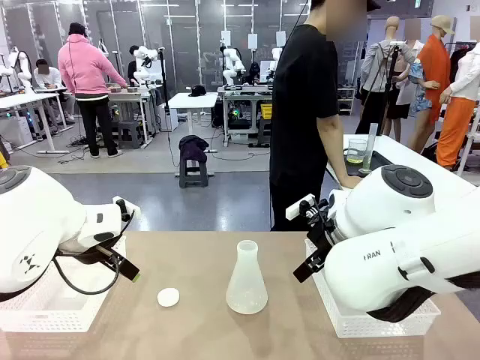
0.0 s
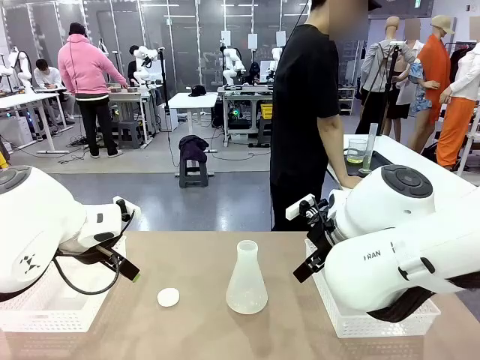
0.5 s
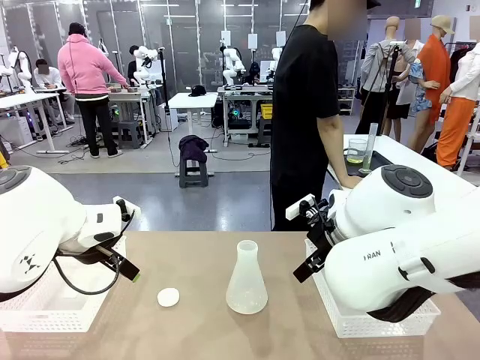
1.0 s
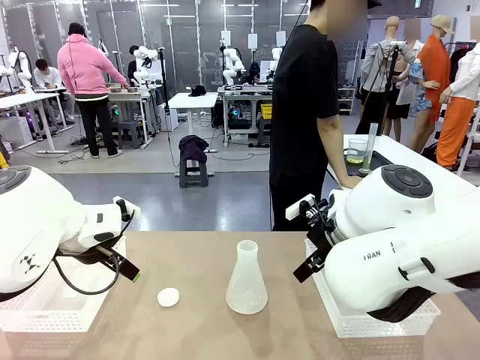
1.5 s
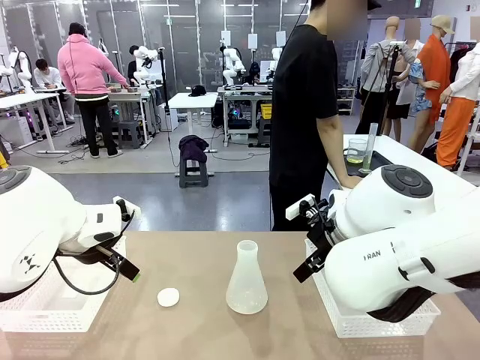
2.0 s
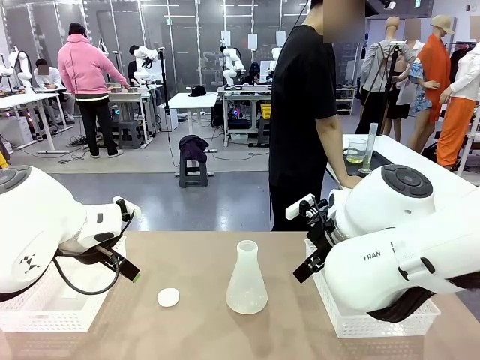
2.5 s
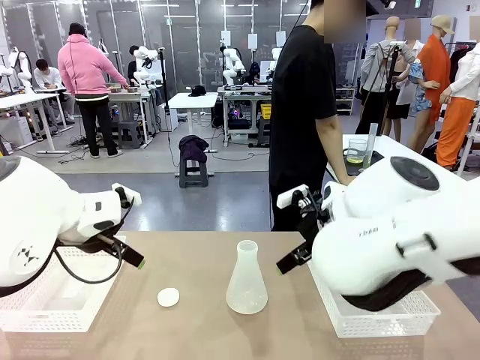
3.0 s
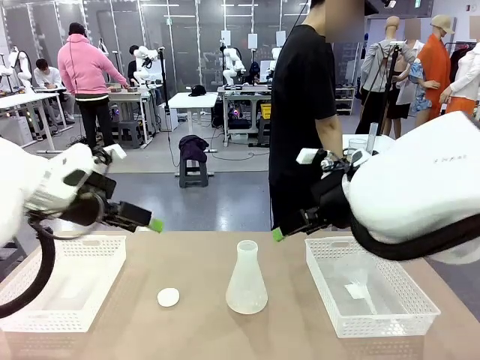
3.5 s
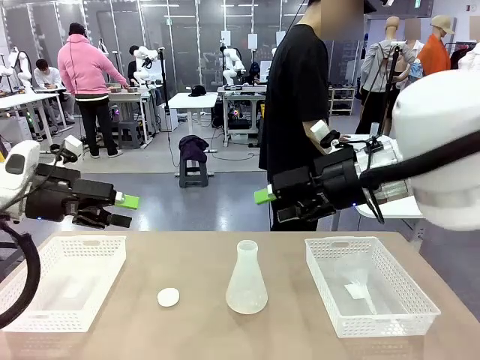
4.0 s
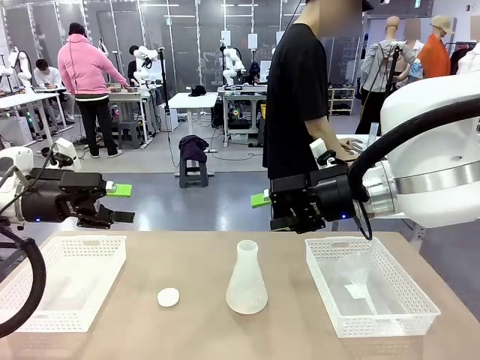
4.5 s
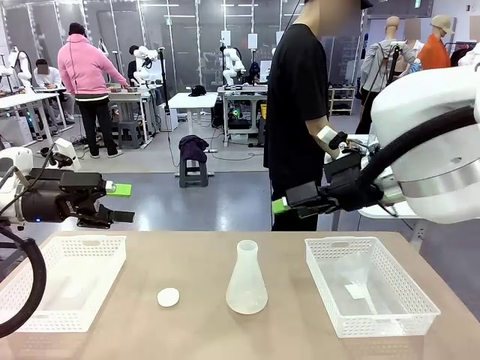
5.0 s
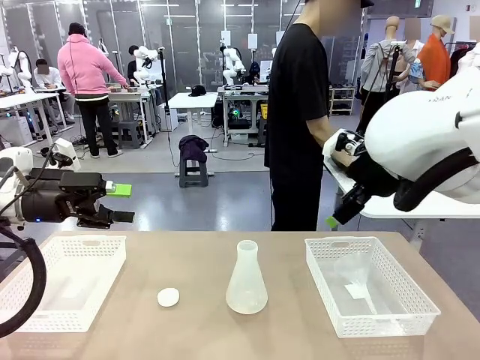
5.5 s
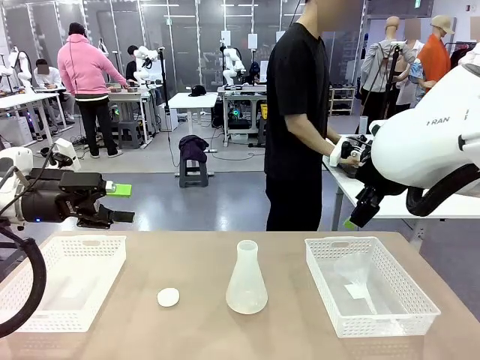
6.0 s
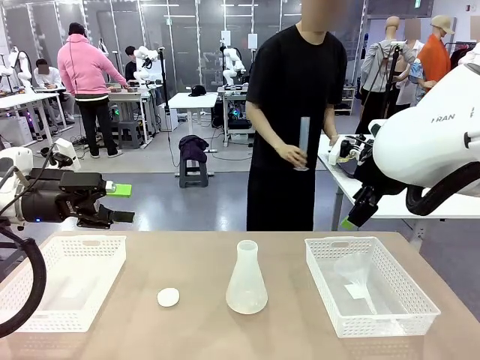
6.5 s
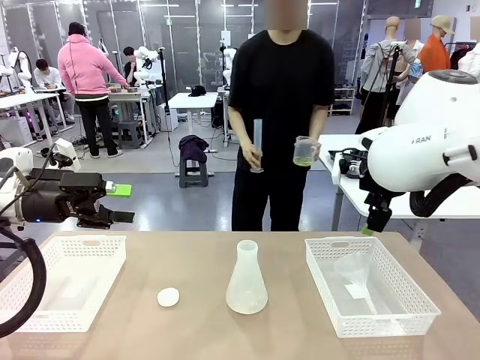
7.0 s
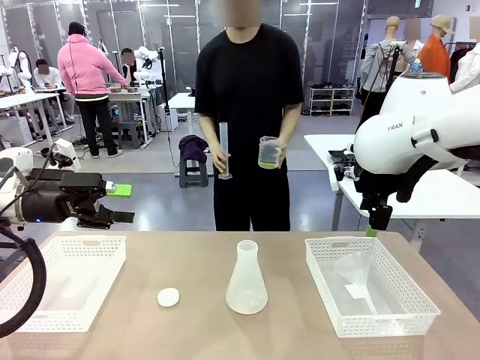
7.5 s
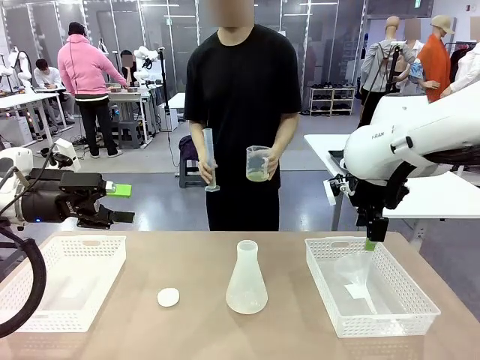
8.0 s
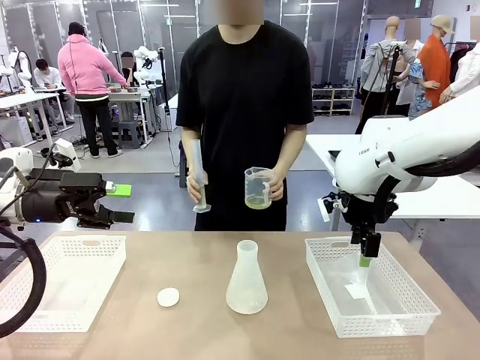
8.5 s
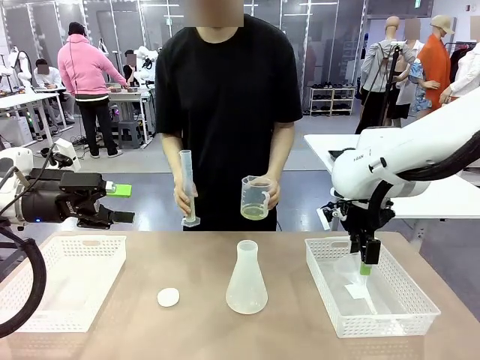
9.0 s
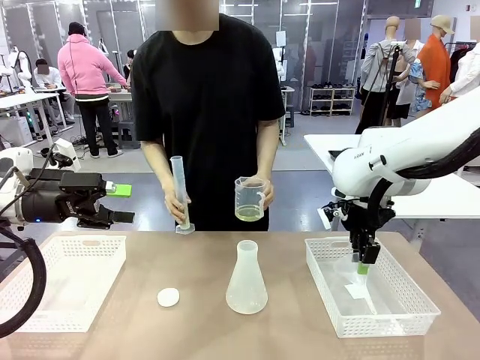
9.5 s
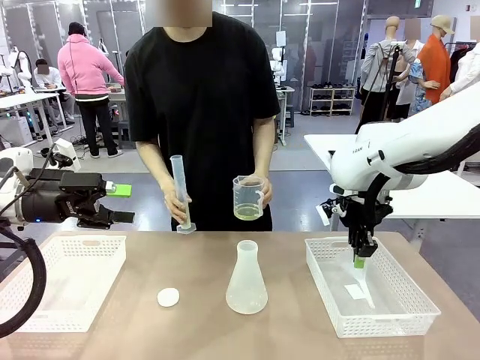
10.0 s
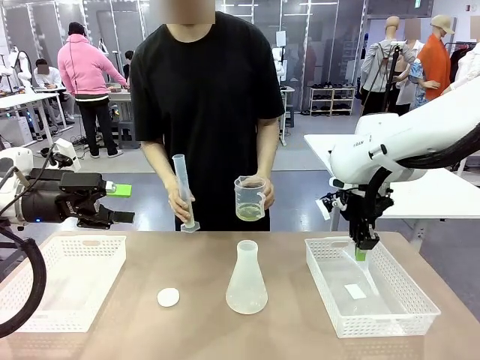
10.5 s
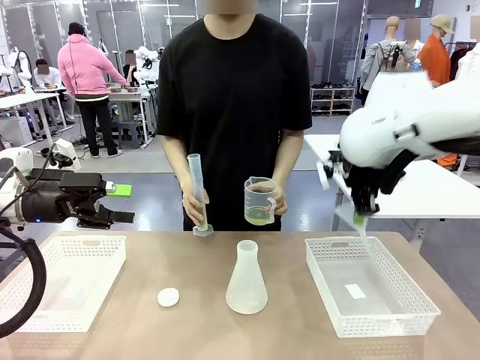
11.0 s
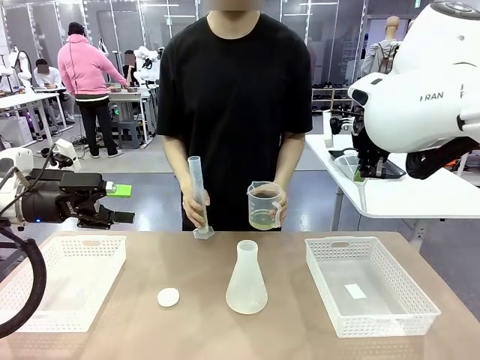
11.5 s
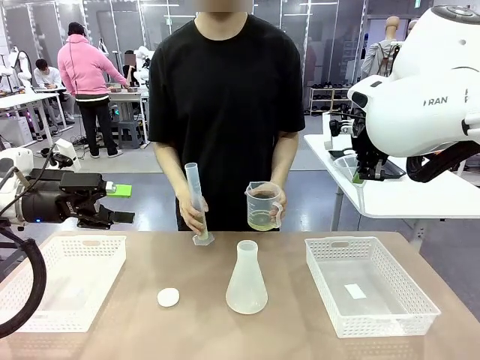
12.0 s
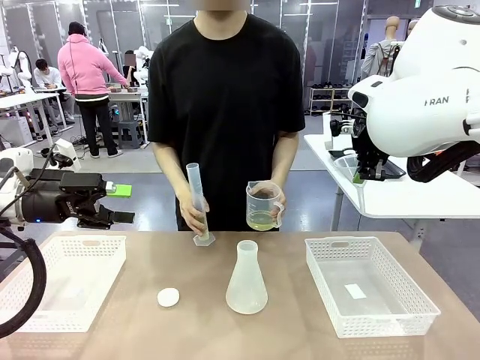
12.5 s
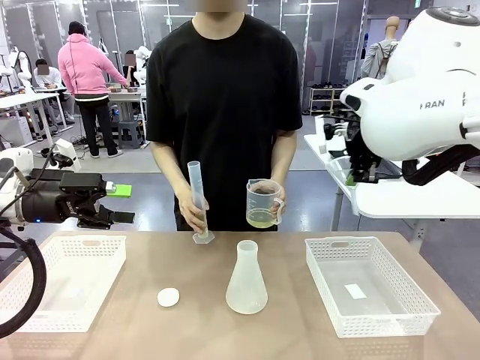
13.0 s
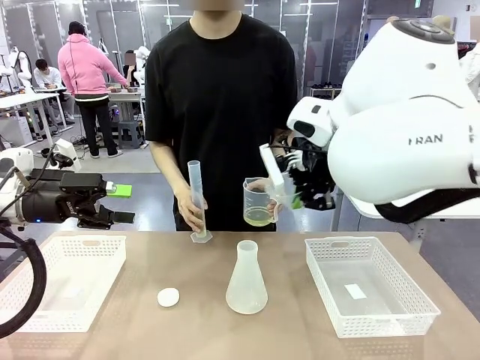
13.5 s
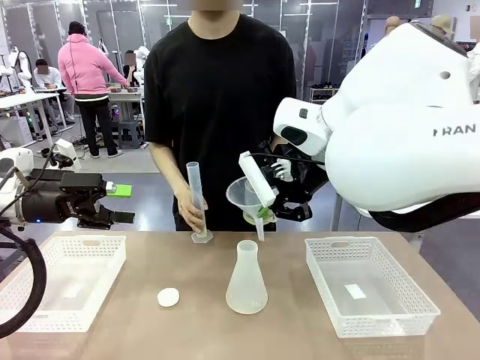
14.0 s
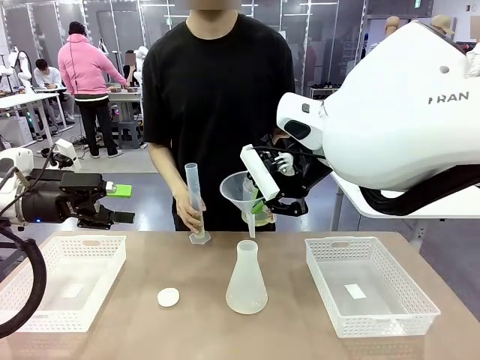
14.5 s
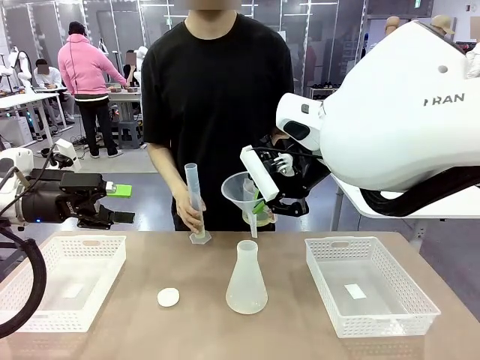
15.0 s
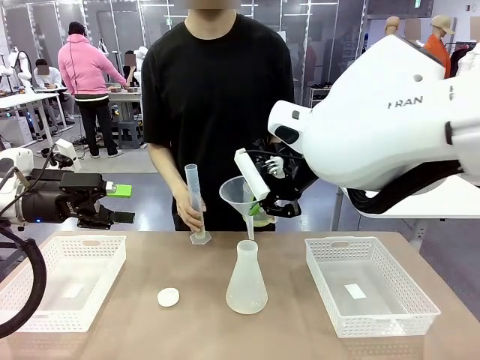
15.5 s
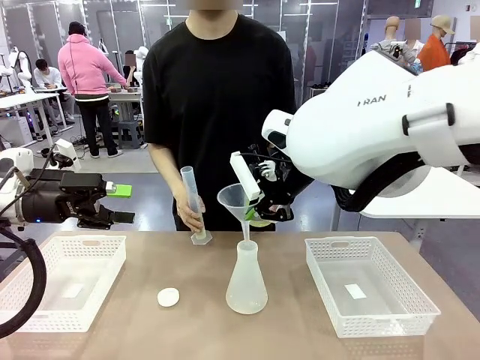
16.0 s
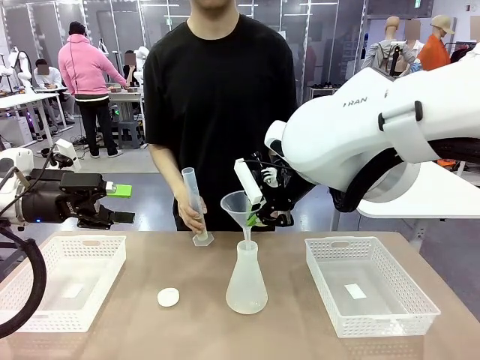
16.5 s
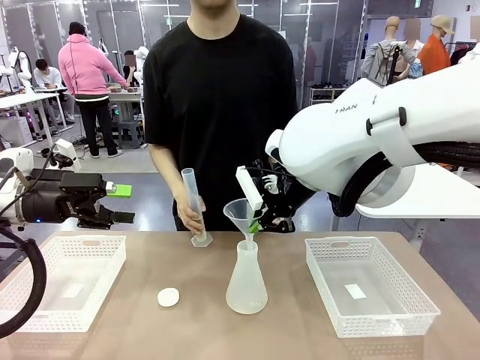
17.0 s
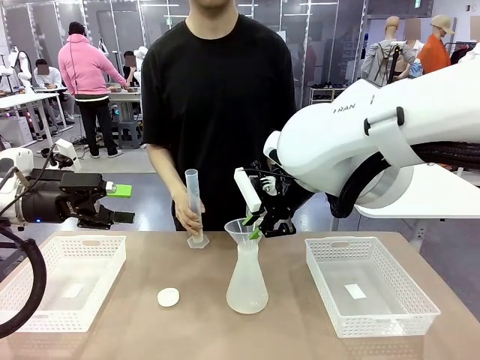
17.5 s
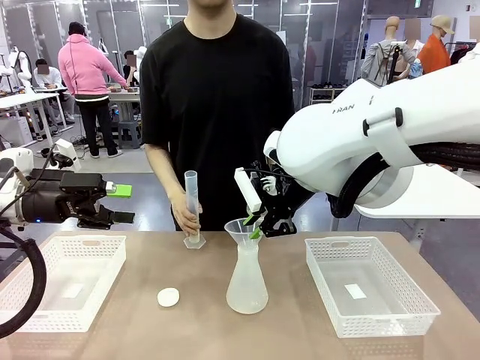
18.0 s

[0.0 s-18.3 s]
Task: Prepare the solutions needed for the experiment.
Robot: Pick up the Plastic Funnel and insert it into the Big flask.
Person: Pick up the beaker and the cylinder and move to the middle of the robot table. Pour the solution from the beaker and the cylinder into the flask.
